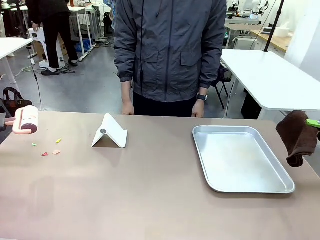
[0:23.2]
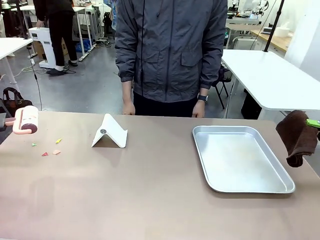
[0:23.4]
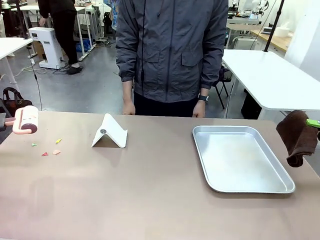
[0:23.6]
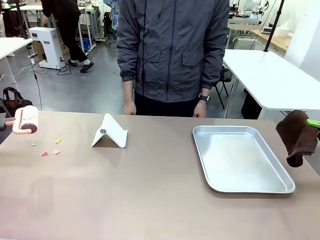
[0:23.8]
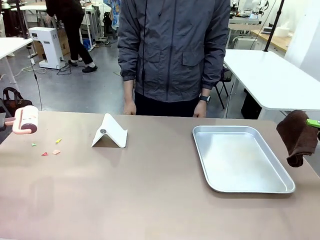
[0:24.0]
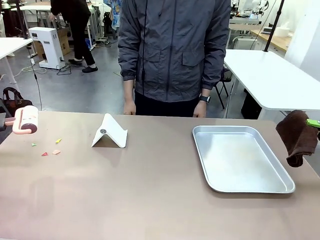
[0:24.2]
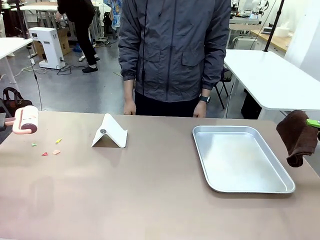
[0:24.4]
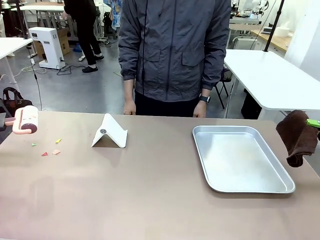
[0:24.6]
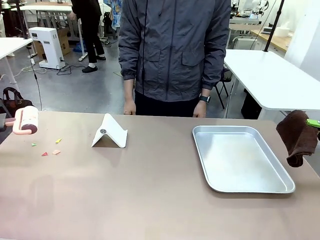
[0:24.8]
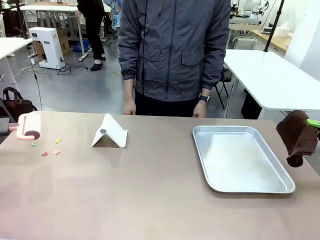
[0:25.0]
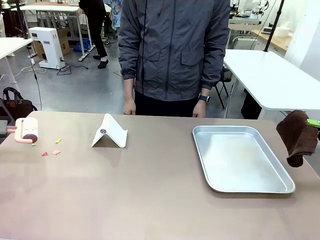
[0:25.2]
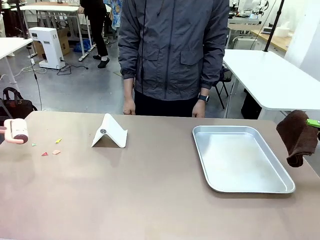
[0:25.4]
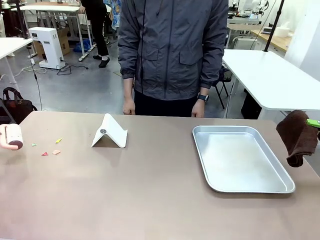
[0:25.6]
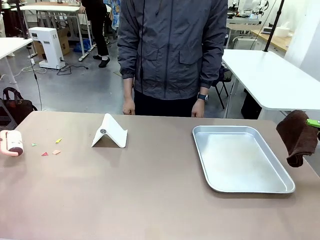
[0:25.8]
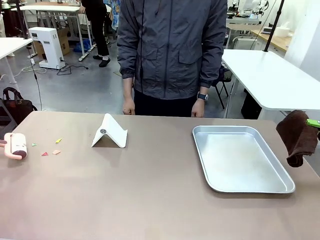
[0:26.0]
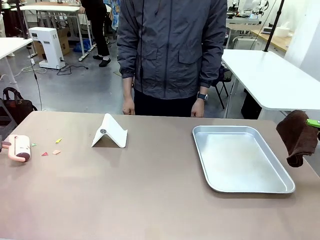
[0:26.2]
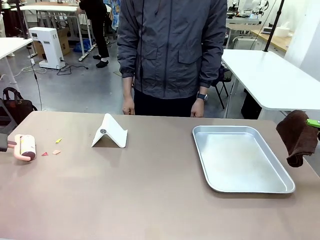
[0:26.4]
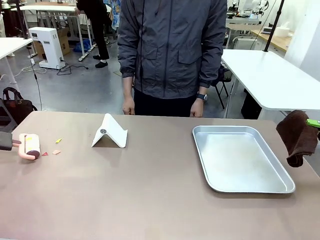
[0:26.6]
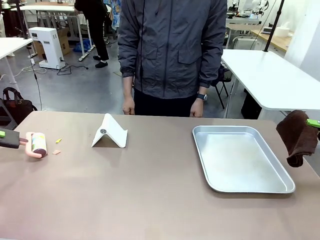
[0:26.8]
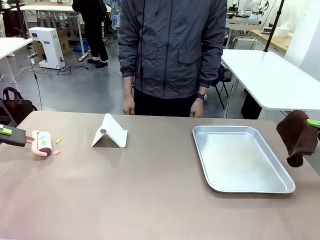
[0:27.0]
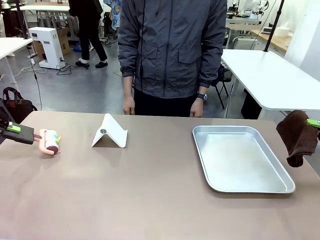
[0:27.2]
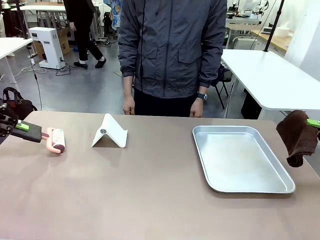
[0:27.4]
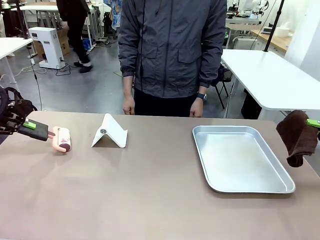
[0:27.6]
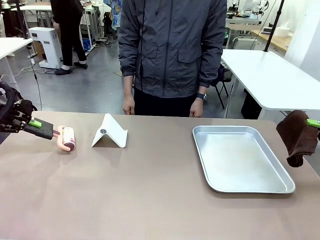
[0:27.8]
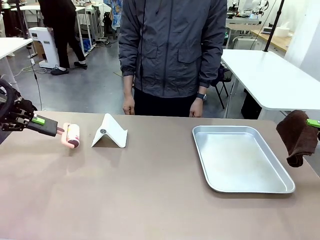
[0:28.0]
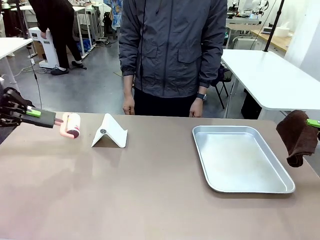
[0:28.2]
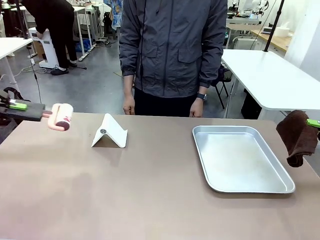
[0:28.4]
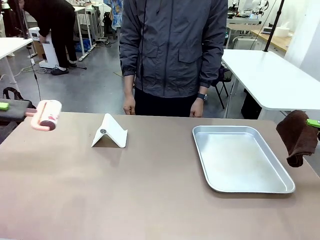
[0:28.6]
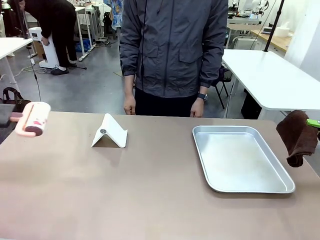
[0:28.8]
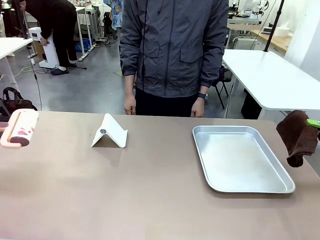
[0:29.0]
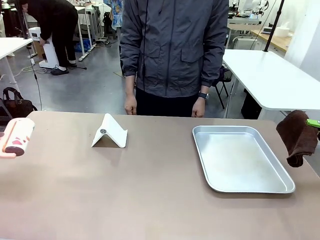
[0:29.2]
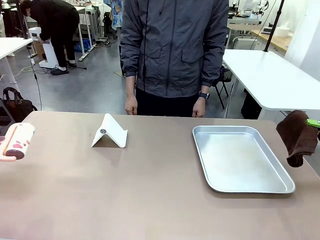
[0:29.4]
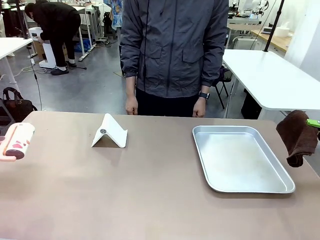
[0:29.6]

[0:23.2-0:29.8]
Task: Clean the surface of the table.
Robot: Clean the area not pointed to by the person.

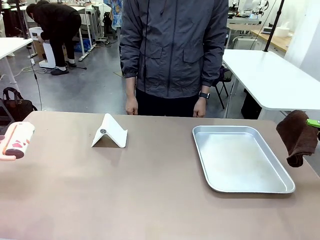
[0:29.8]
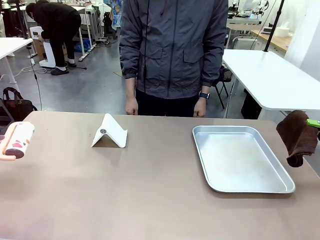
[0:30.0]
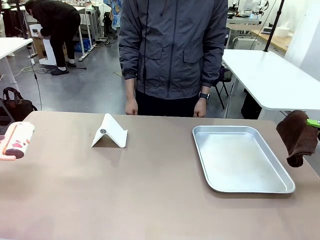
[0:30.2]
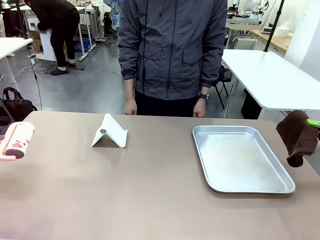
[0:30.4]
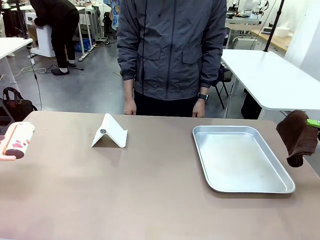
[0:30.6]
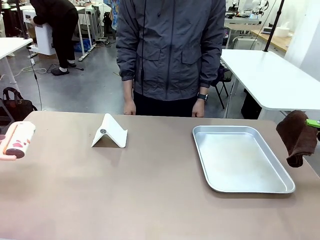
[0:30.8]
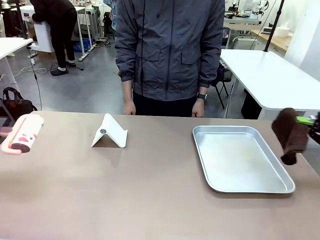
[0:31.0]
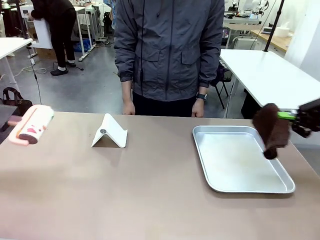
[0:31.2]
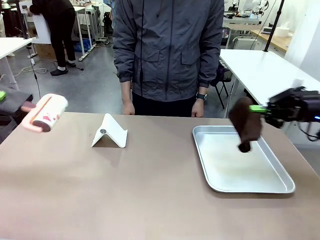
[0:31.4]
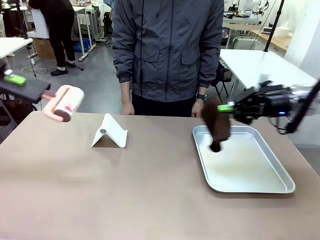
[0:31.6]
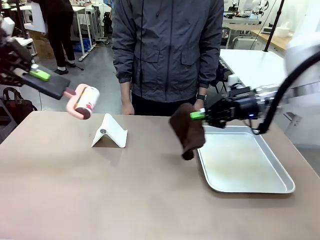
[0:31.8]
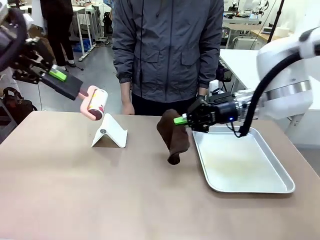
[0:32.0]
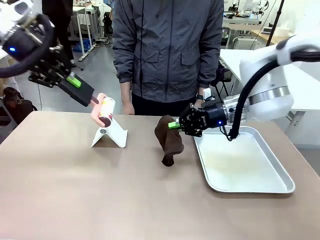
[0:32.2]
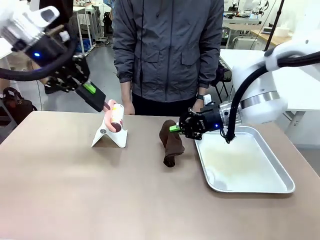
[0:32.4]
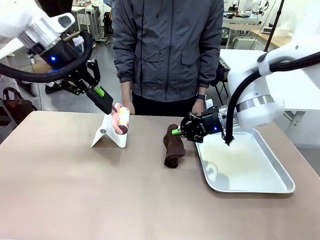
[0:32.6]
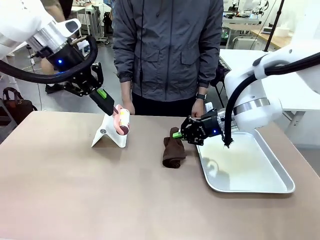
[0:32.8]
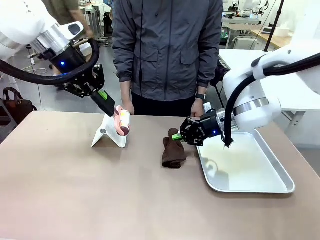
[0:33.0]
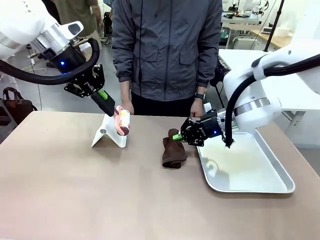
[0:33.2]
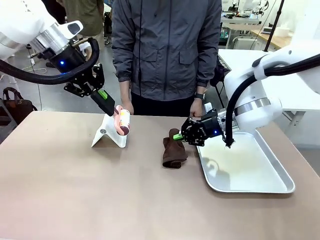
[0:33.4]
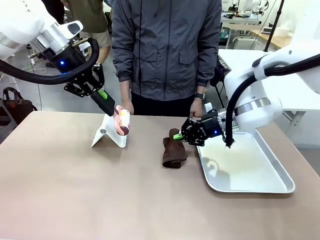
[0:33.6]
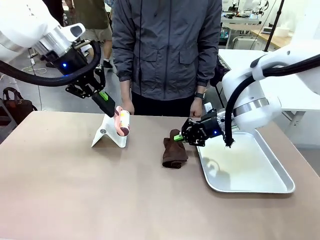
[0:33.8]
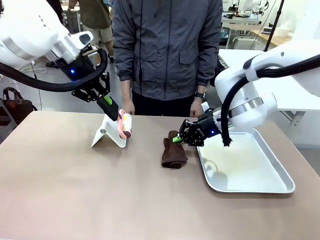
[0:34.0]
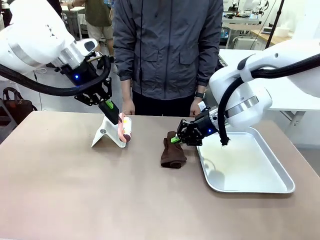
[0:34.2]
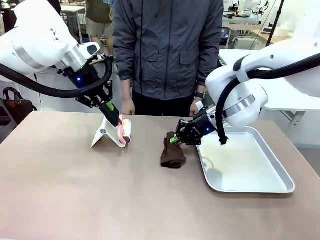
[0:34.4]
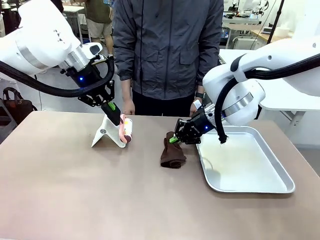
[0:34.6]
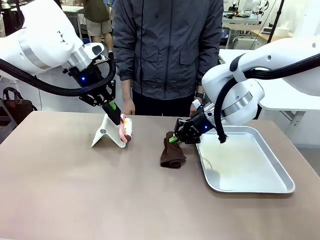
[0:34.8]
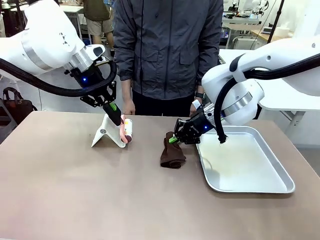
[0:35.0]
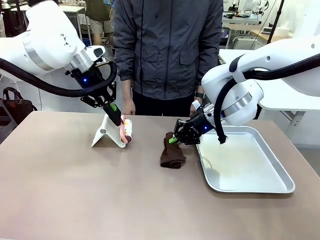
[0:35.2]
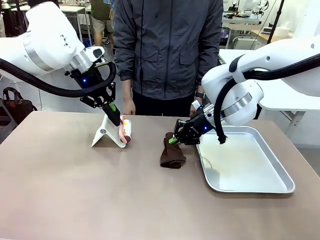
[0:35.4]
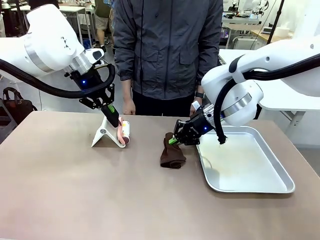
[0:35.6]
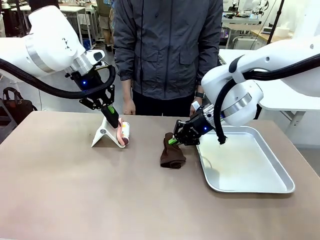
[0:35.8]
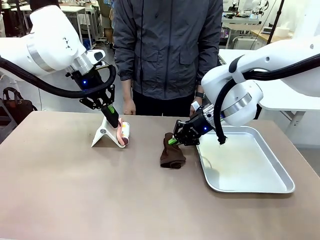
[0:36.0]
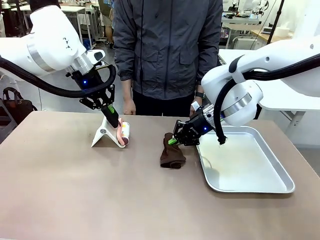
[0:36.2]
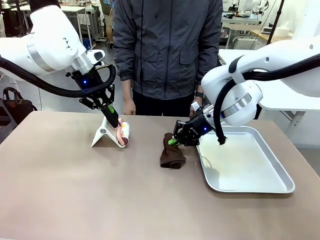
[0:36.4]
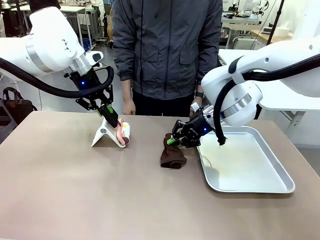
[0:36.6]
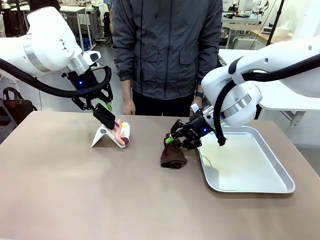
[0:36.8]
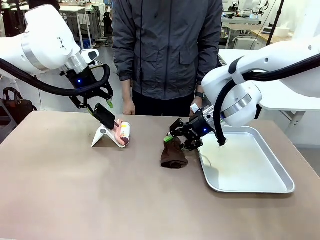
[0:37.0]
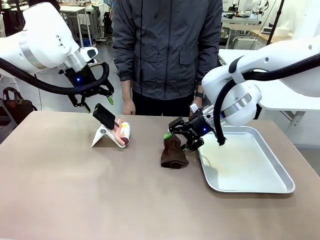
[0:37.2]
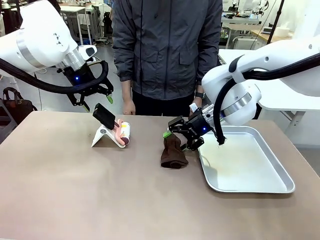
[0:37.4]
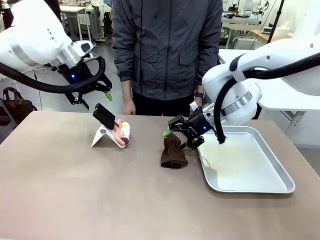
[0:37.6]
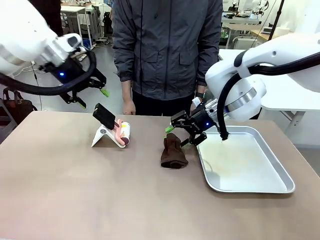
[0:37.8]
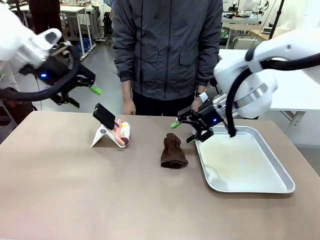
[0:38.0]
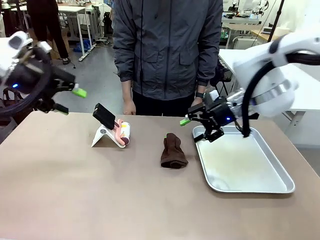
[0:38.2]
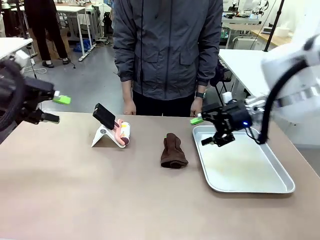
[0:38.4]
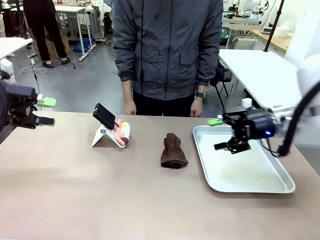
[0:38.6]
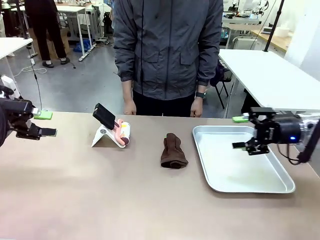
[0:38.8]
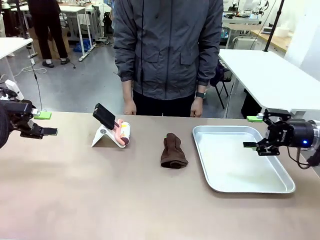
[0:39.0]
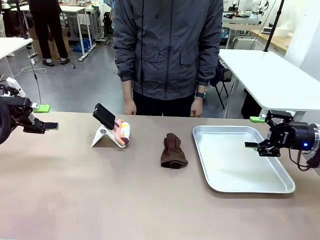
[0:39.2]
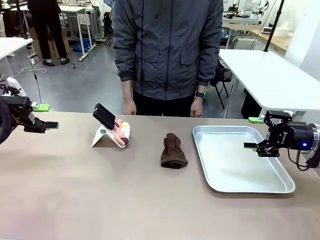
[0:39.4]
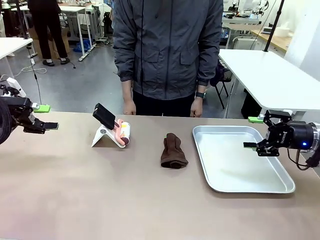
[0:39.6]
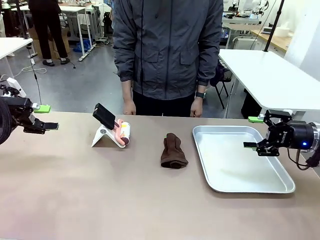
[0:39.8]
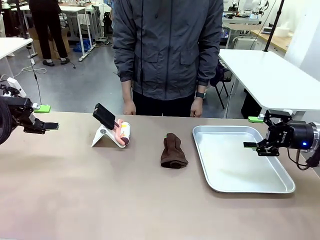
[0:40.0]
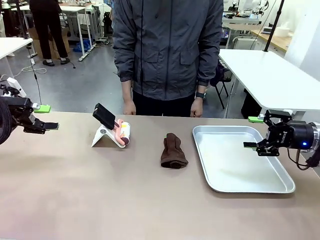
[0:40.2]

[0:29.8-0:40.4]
Robot: Return the Lint Roller and towel to their original positions.
